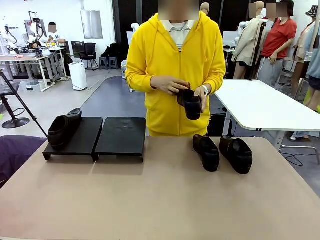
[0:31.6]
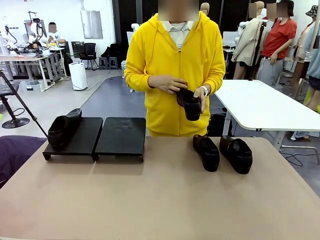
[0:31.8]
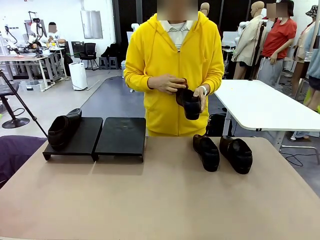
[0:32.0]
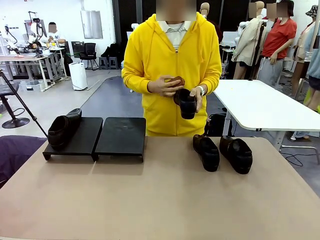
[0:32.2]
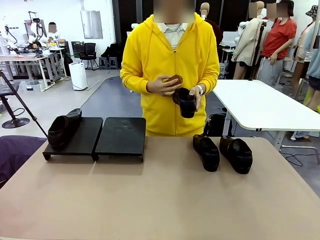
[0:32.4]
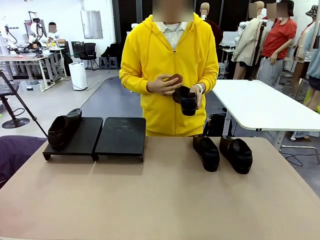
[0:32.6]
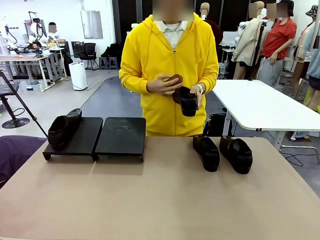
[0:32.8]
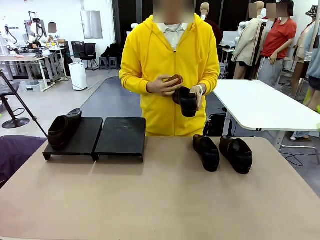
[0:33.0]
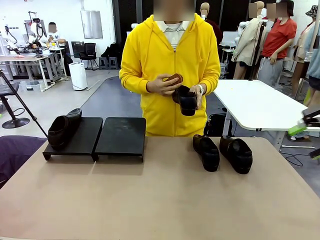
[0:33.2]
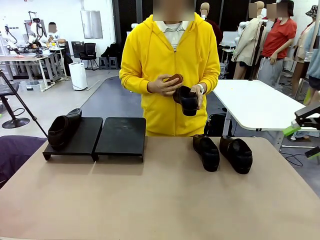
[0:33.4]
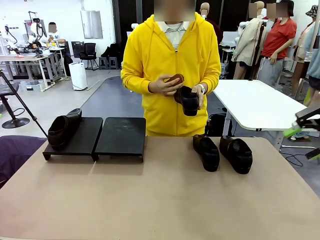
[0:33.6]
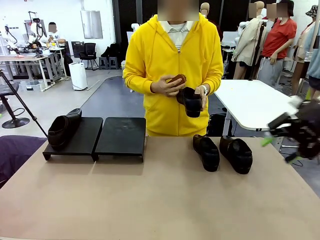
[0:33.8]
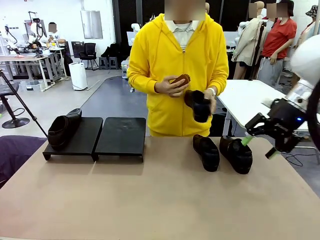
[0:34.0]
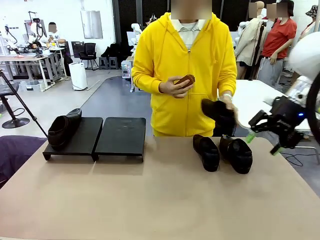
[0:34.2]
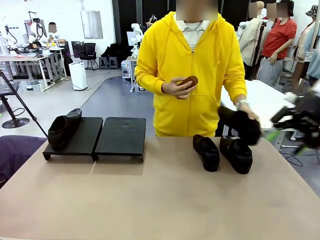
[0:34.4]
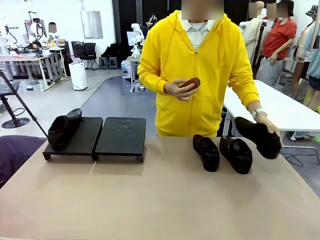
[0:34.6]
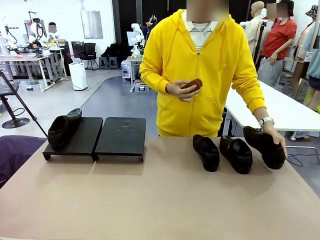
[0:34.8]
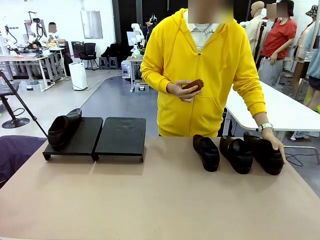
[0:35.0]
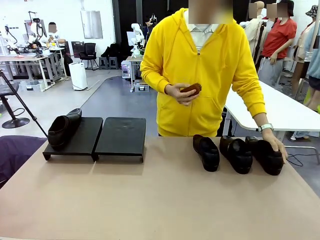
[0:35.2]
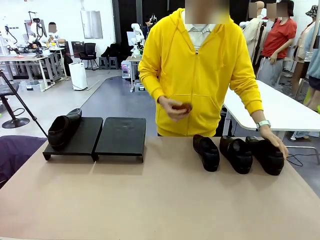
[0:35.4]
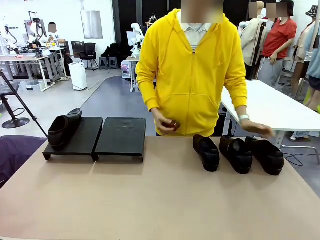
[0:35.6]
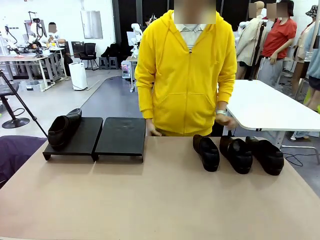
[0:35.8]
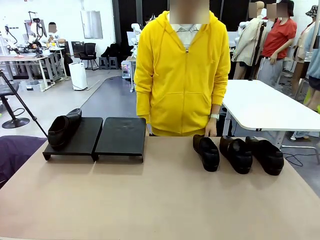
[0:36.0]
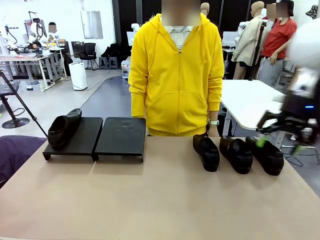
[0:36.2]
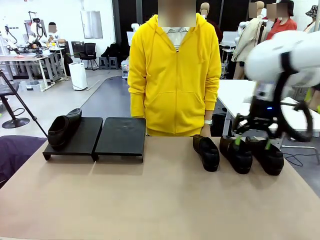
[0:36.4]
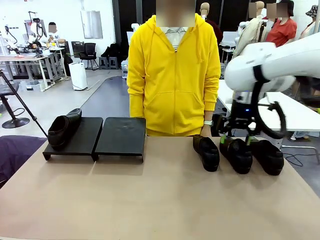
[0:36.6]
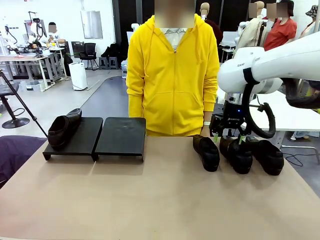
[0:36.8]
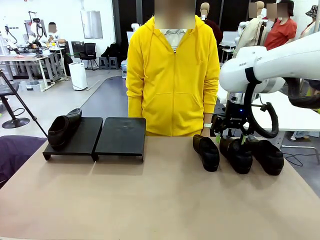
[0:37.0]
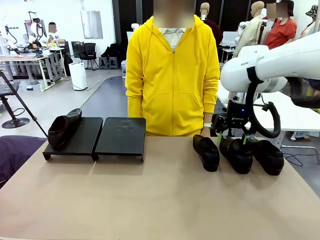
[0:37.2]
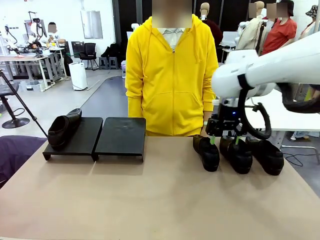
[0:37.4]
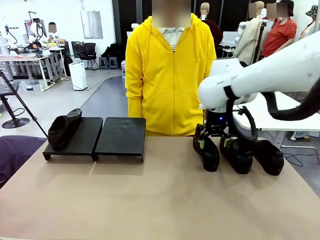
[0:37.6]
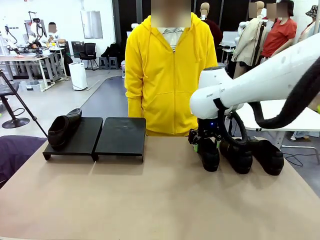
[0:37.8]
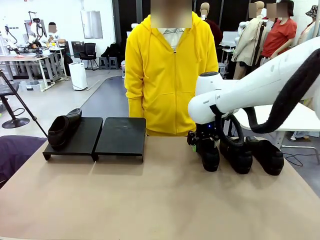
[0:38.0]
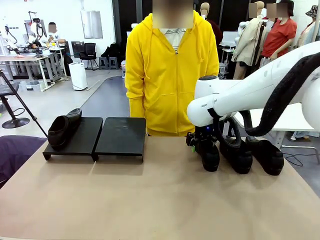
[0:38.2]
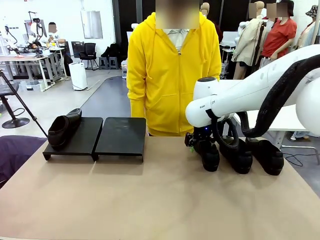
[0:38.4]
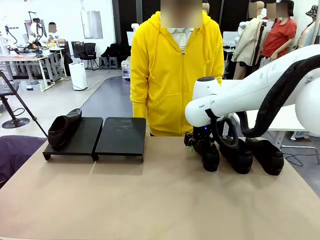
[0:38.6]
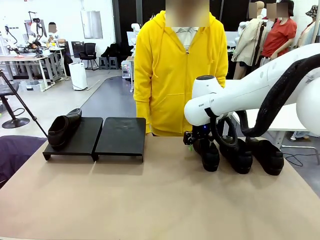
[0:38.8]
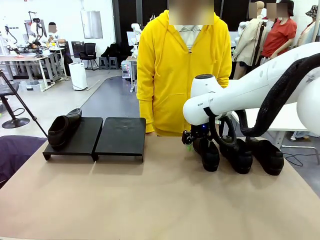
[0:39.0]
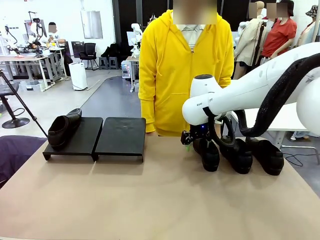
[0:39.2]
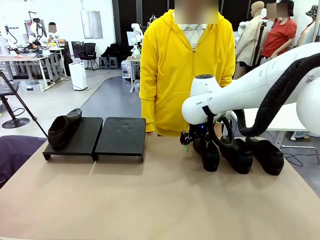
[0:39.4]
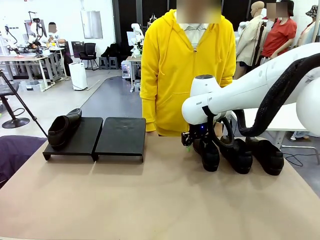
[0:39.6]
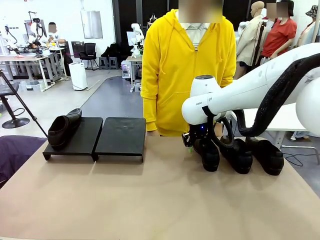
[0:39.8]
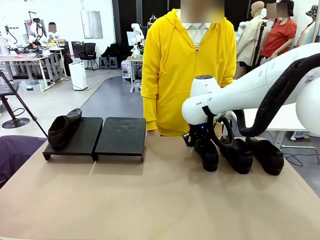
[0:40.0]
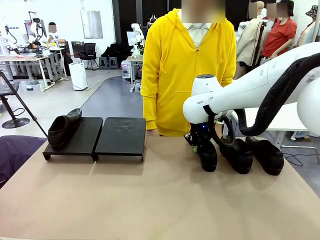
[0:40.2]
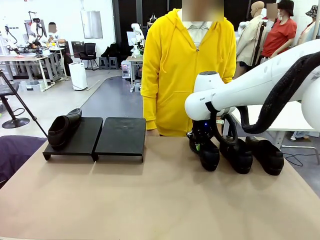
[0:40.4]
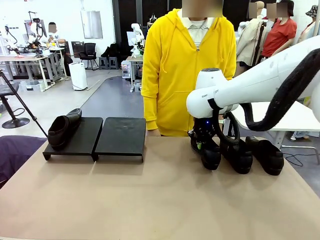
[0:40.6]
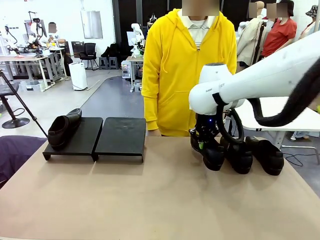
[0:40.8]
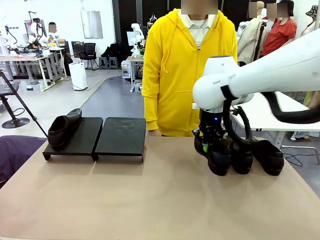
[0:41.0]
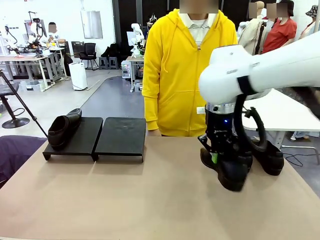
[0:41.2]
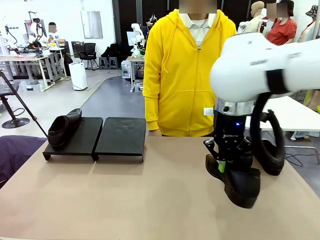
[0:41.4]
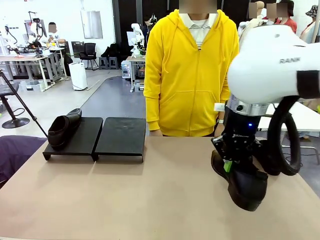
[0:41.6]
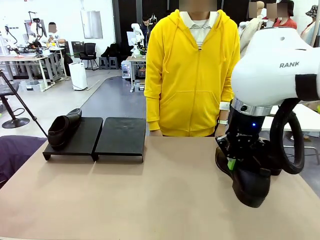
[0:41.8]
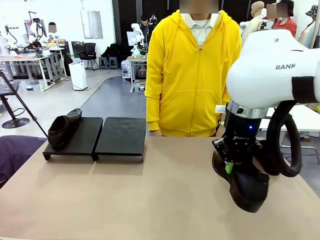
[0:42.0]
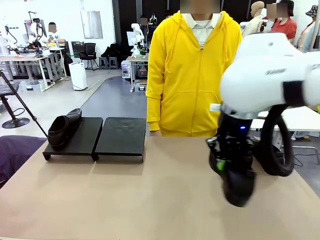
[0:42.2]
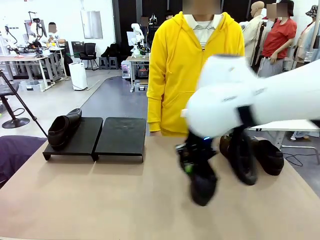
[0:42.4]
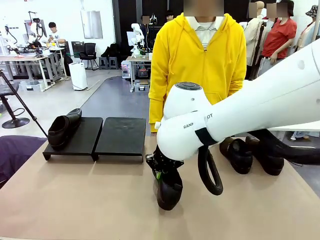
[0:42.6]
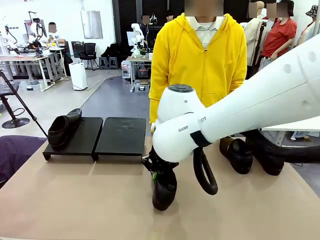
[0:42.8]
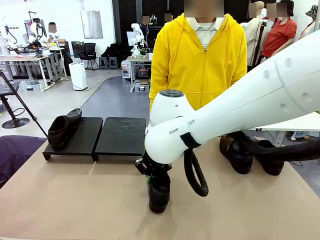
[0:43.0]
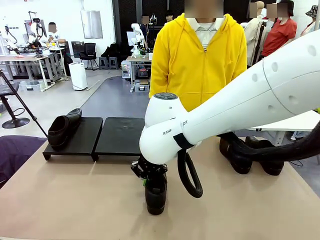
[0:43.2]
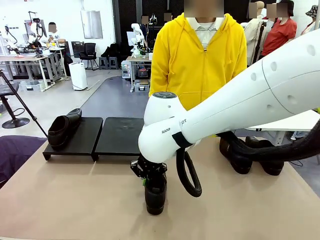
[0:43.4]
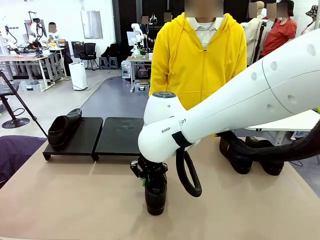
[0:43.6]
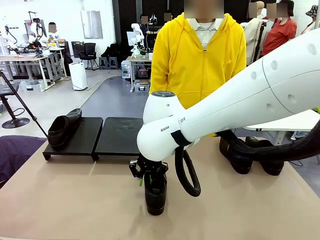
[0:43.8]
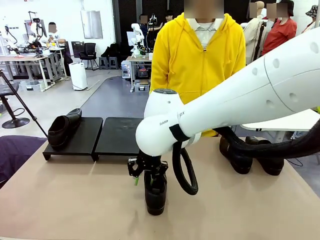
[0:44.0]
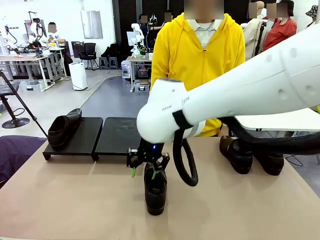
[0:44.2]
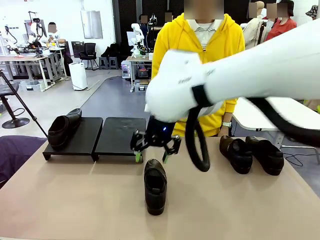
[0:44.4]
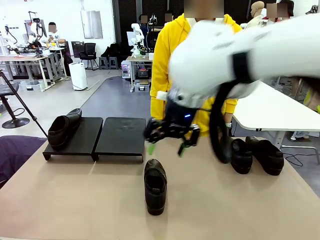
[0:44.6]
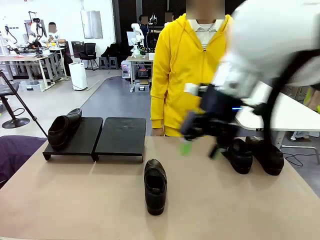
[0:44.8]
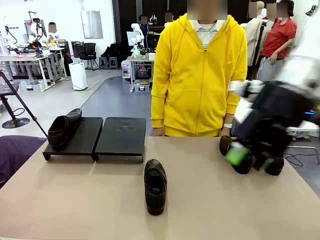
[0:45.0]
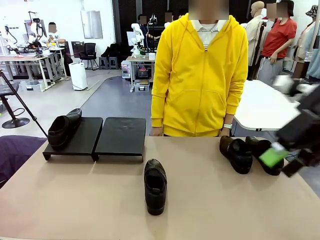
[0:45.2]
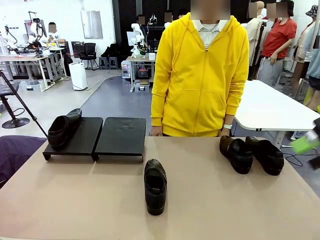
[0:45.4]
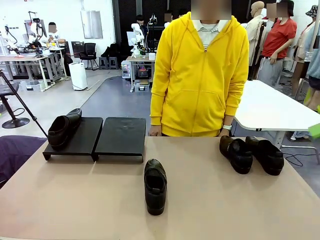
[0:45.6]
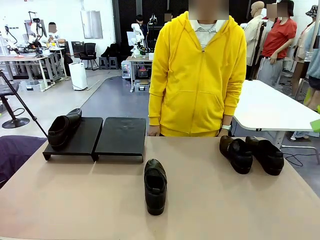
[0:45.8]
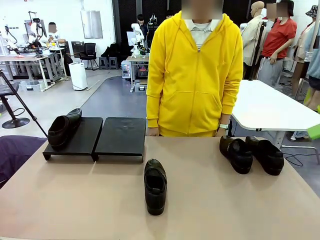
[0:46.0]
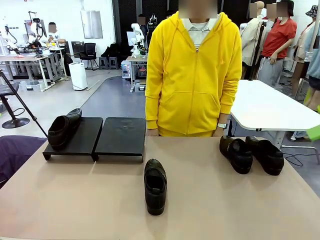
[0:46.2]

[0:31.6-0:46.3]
Task: Organize the shoes by placing them on the stand.
Robot: Pick up one Shoe and place it in the middle of the table.
